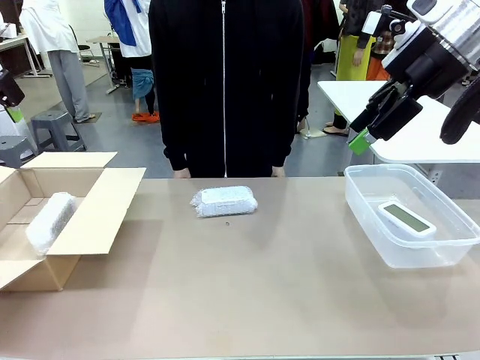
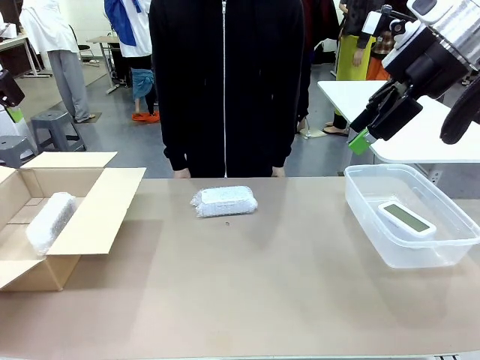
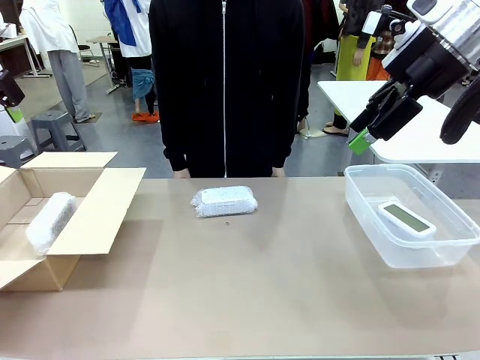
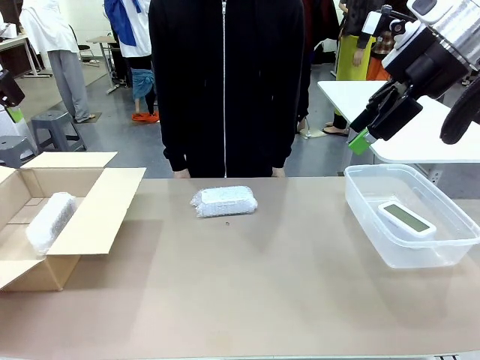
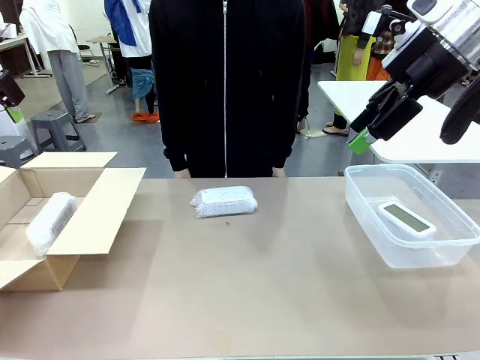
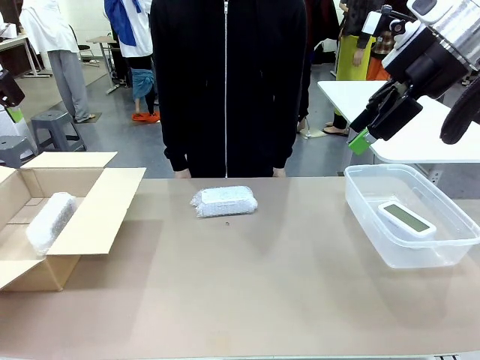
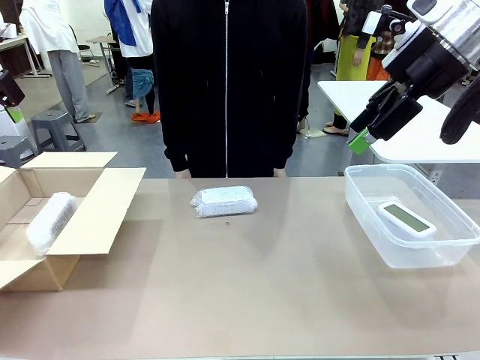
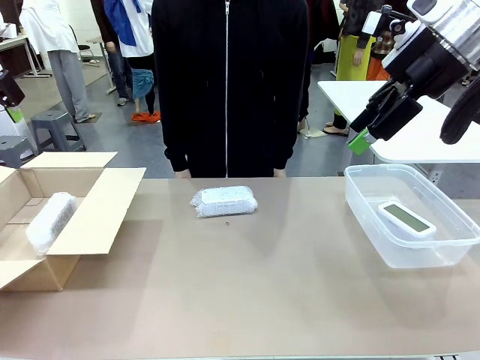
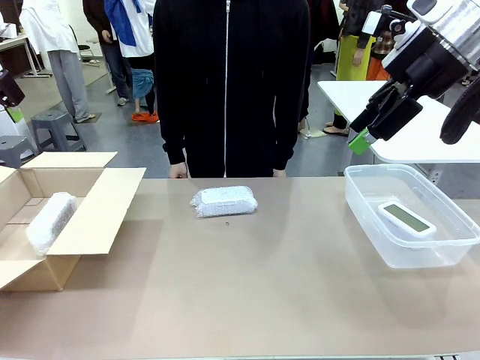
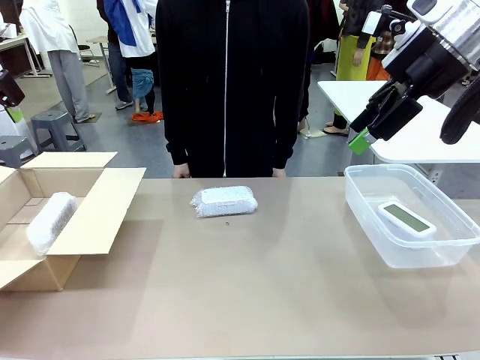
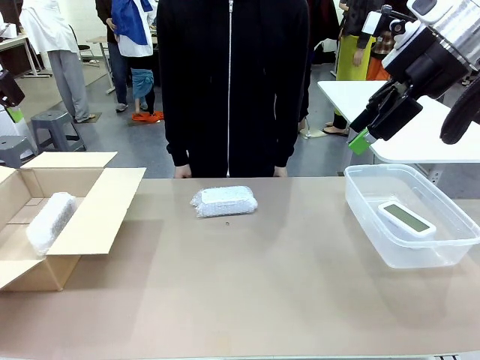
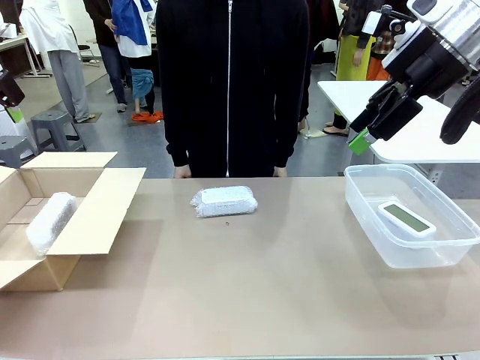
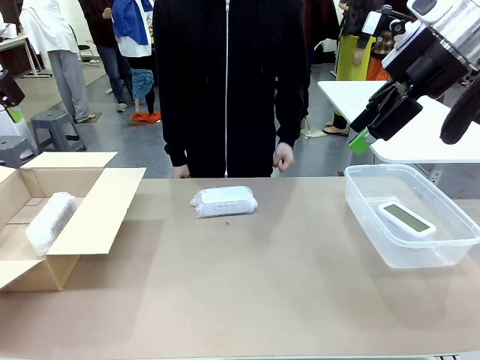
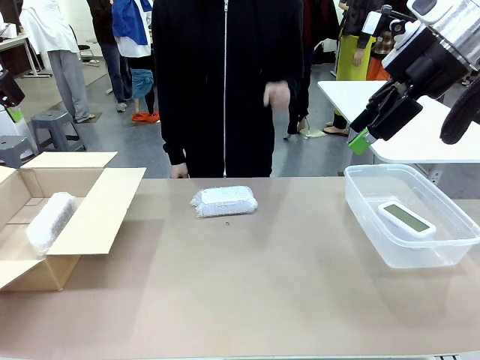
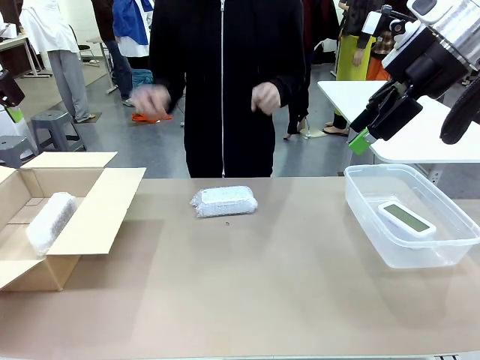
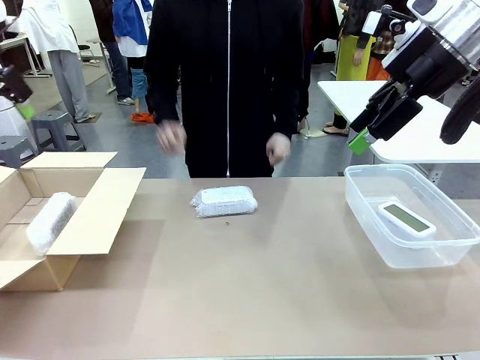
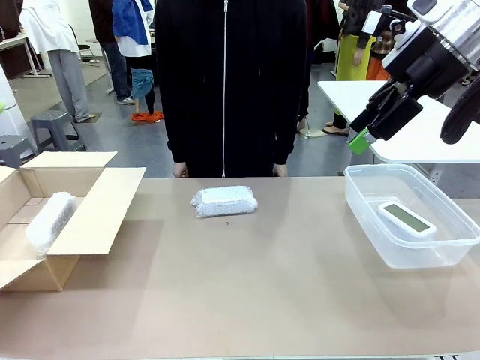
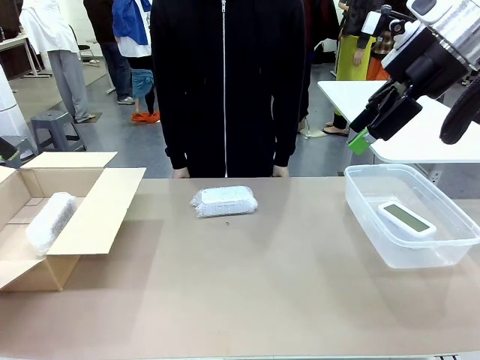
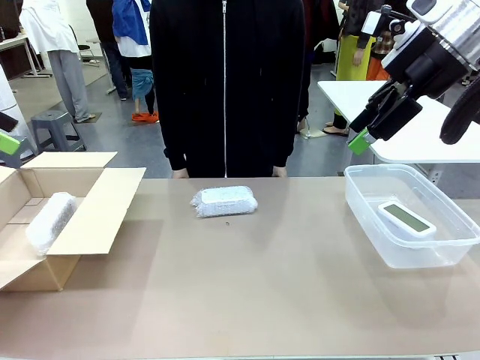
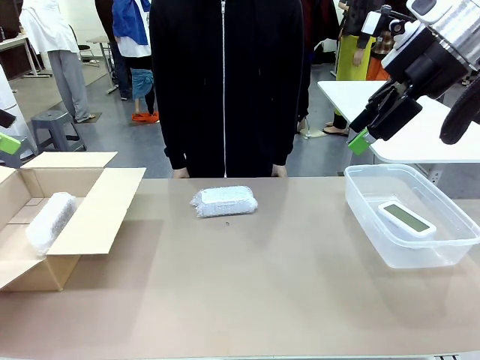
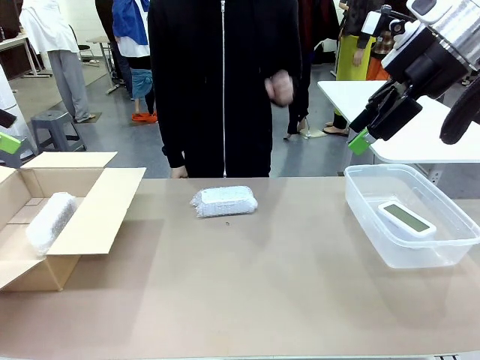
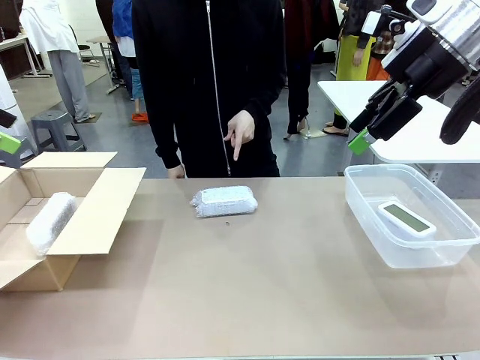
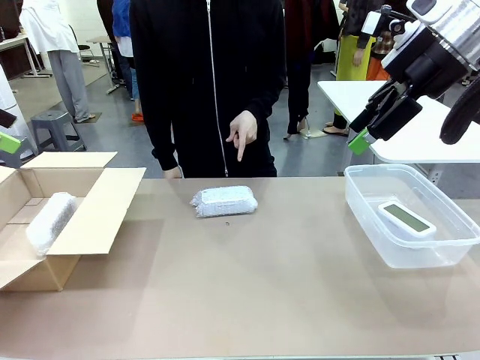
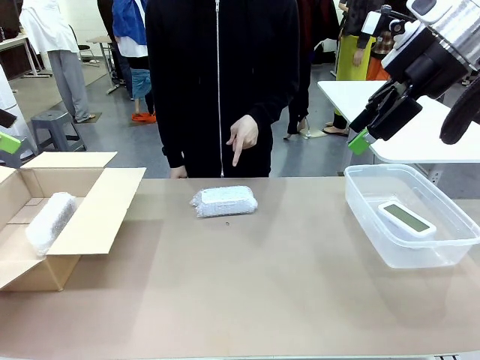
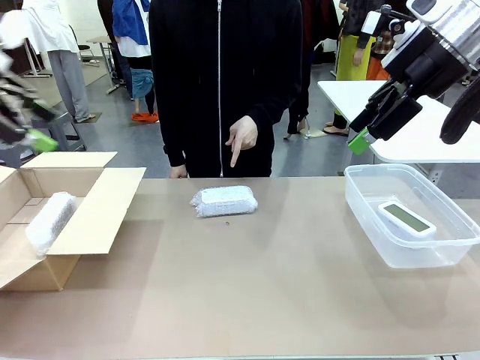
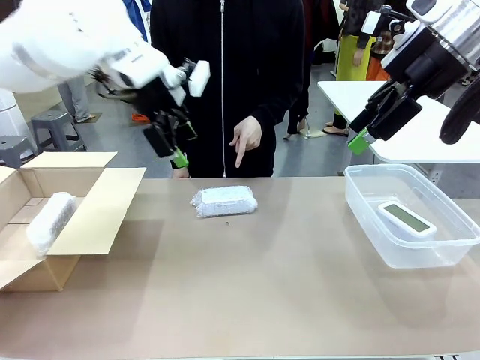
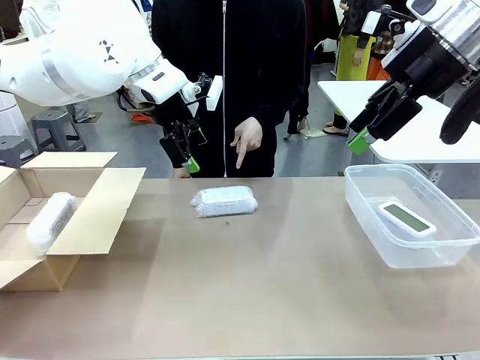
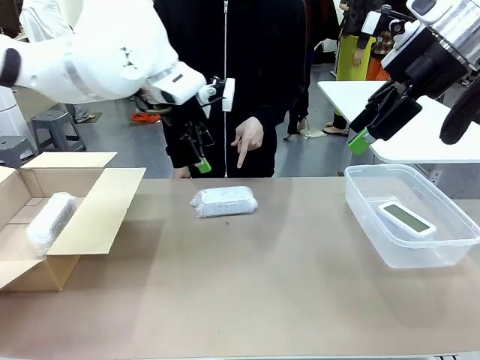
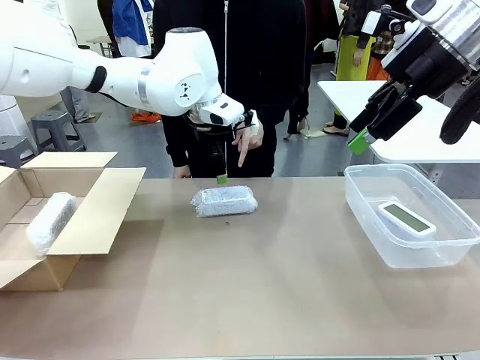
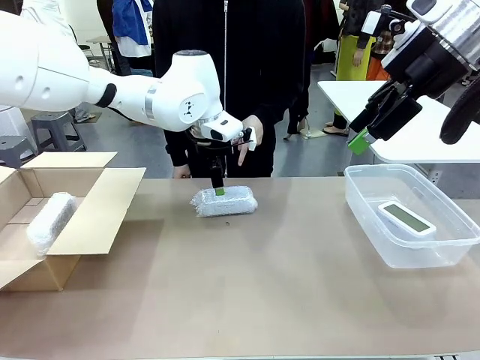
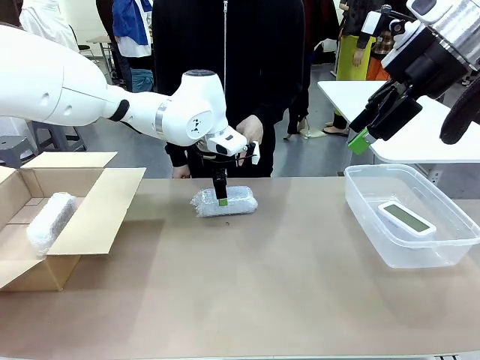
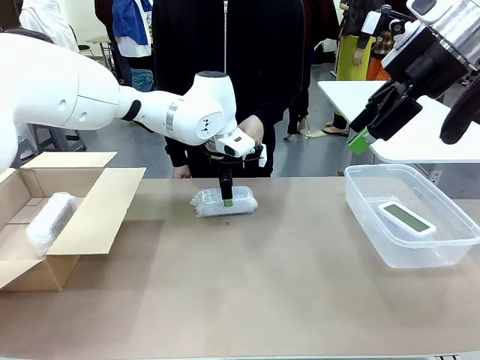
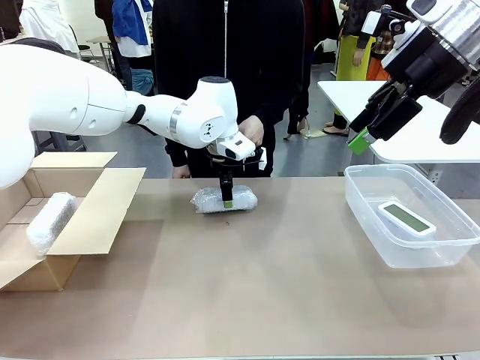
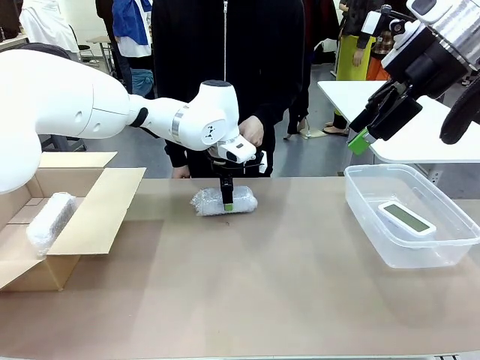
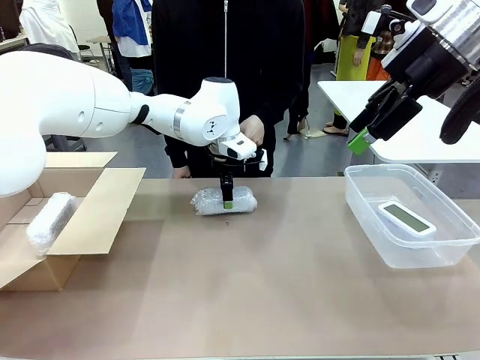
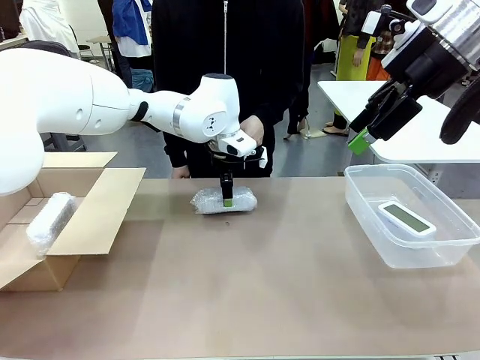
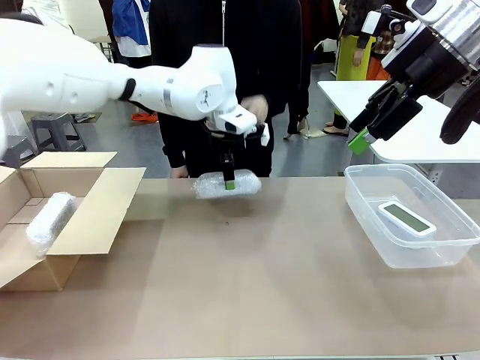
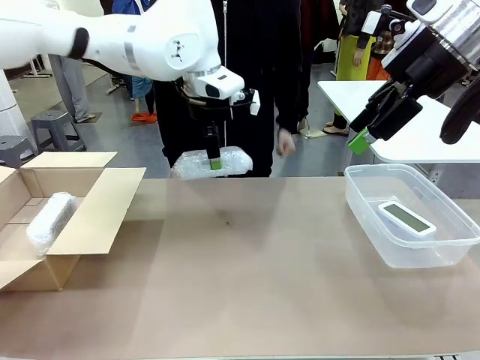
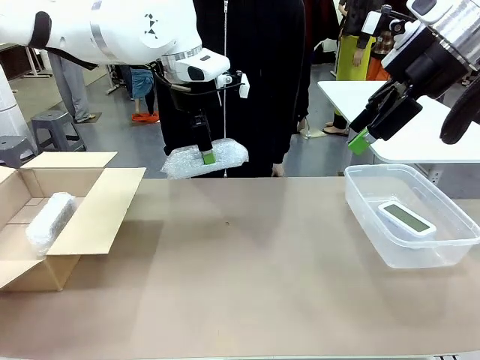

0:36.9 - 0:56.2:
Task: Separate and place wrapped and unwrapped clocks.
Robot: Pick up the Digital clock indicated by the person.

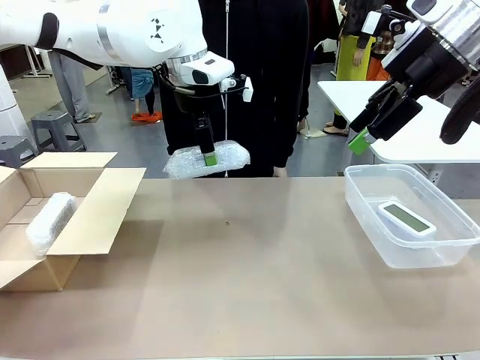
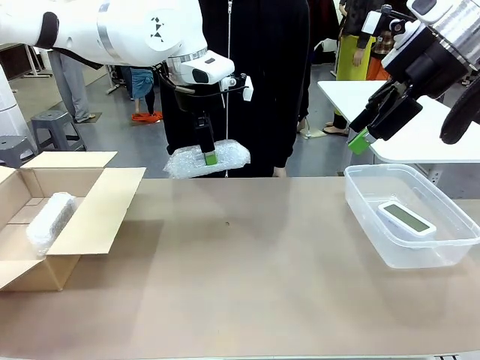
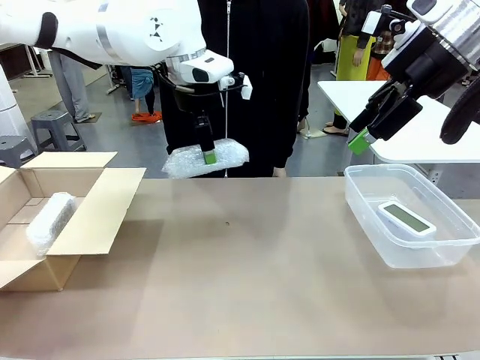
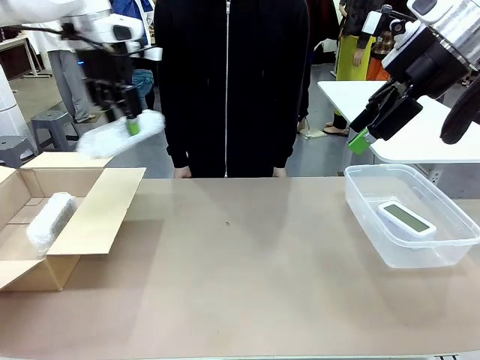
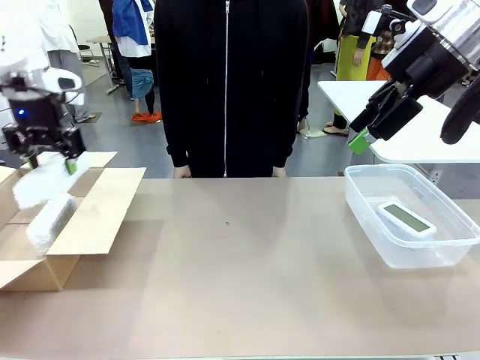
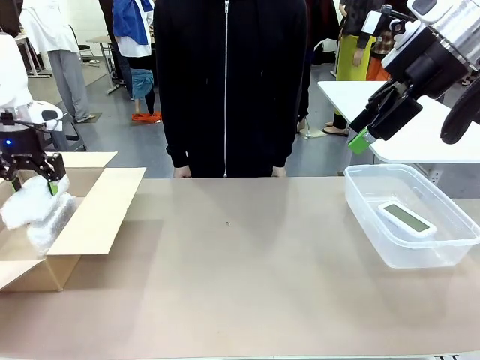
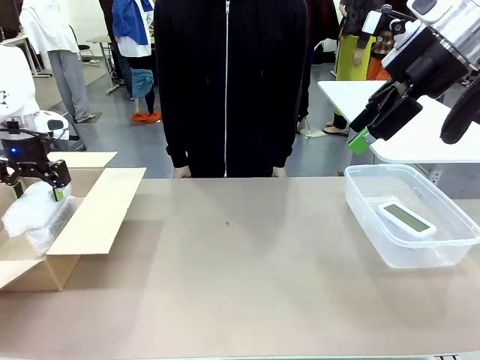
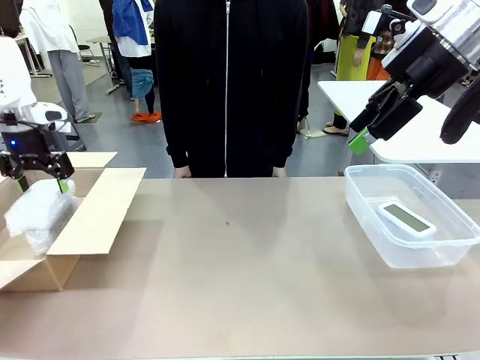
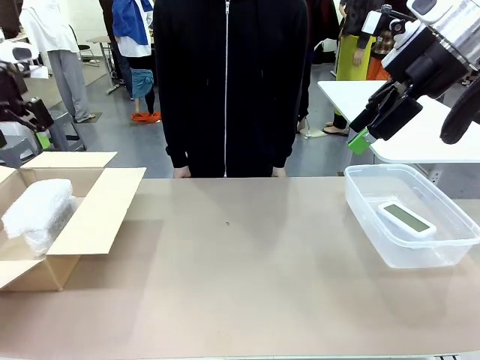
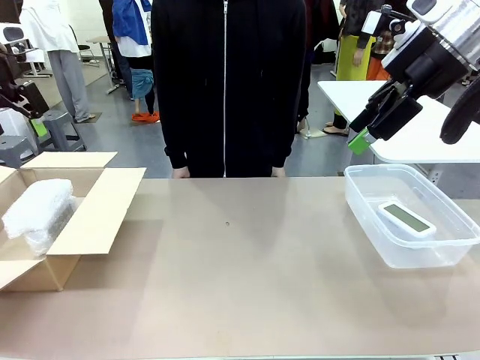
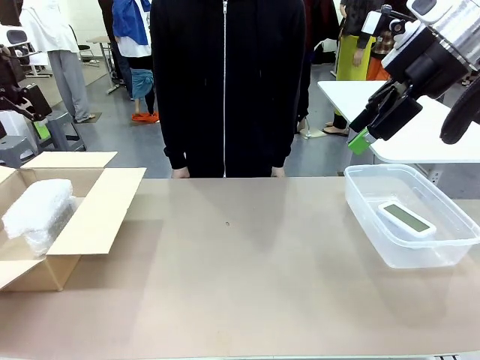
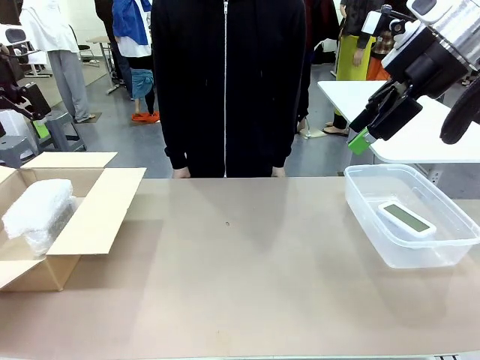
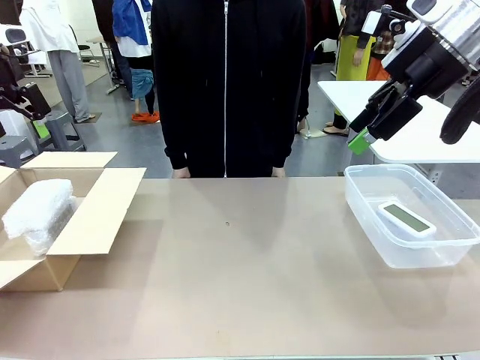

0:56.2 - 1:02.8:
Robot: If the picked Digital clock is wrapped, place it in the Package Box ; if not, place it in the Organizing box.
